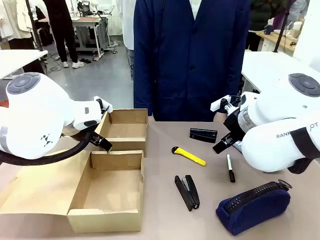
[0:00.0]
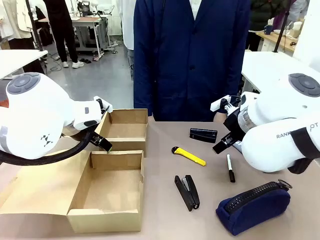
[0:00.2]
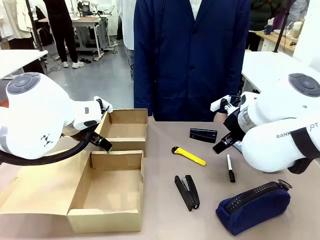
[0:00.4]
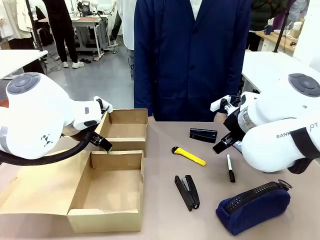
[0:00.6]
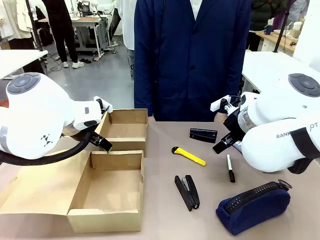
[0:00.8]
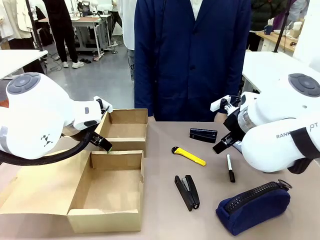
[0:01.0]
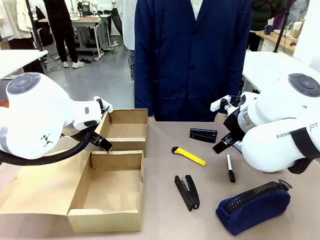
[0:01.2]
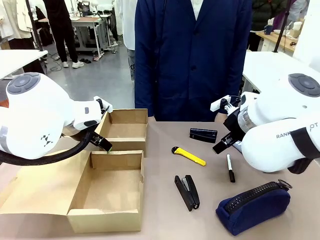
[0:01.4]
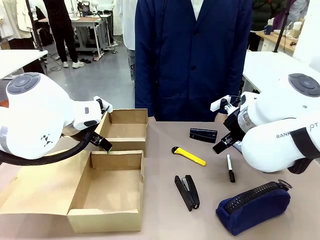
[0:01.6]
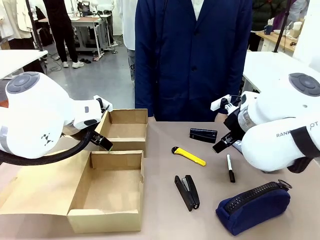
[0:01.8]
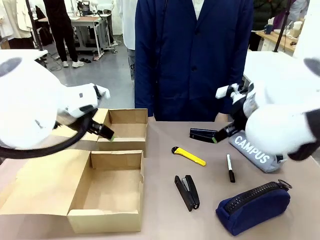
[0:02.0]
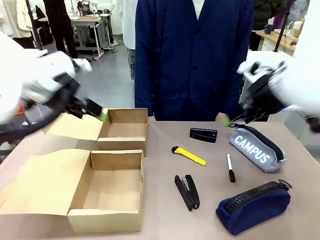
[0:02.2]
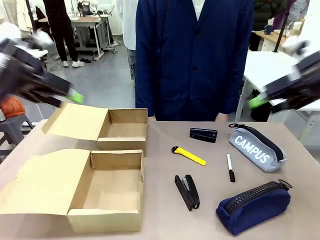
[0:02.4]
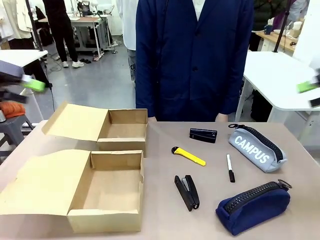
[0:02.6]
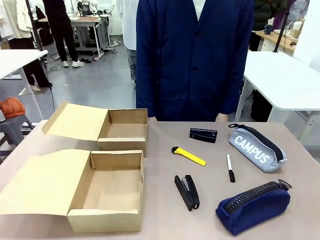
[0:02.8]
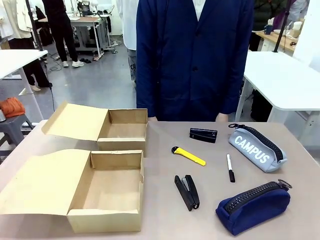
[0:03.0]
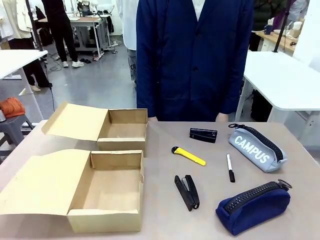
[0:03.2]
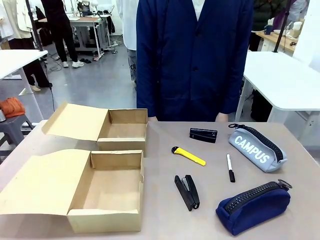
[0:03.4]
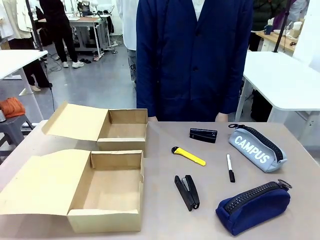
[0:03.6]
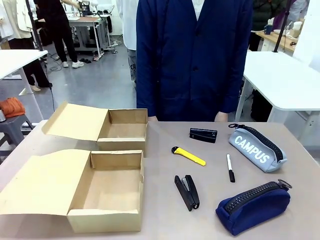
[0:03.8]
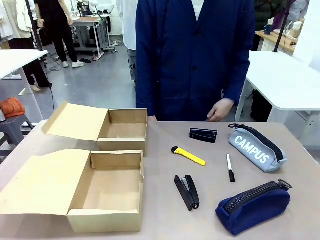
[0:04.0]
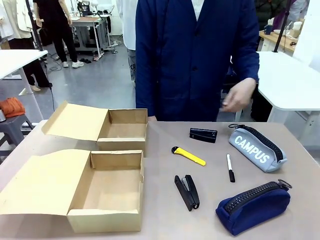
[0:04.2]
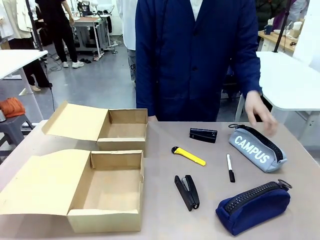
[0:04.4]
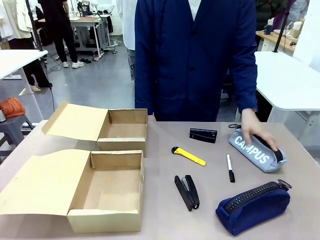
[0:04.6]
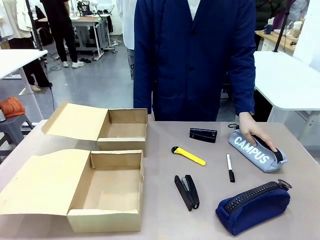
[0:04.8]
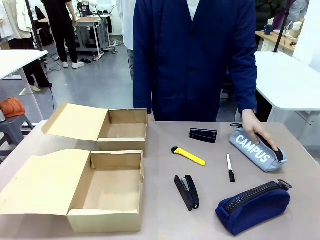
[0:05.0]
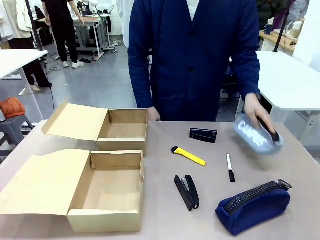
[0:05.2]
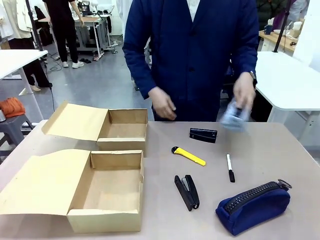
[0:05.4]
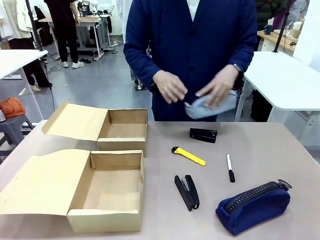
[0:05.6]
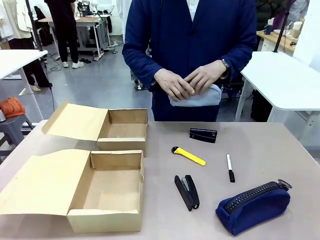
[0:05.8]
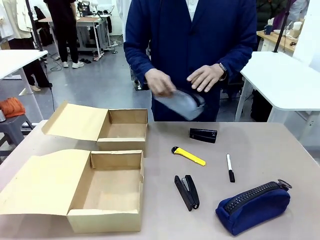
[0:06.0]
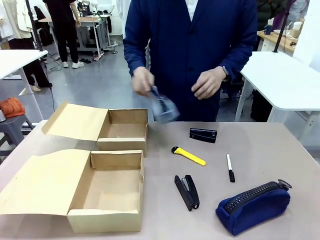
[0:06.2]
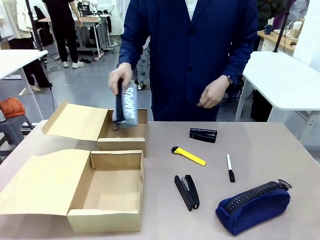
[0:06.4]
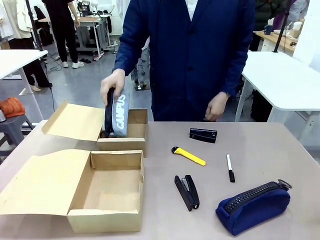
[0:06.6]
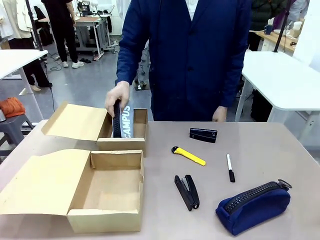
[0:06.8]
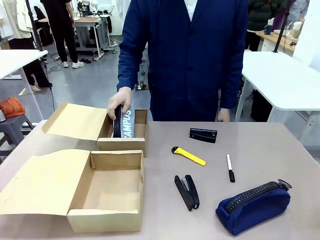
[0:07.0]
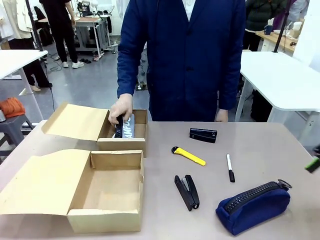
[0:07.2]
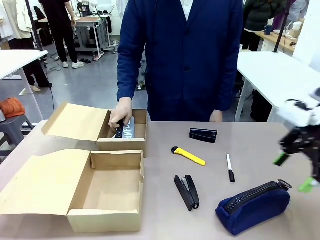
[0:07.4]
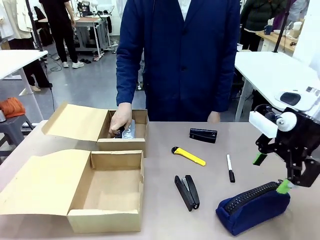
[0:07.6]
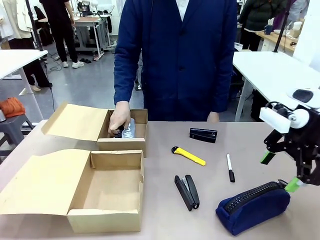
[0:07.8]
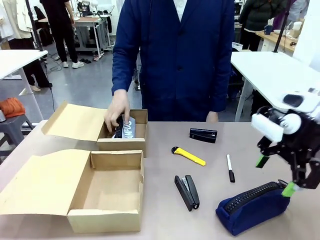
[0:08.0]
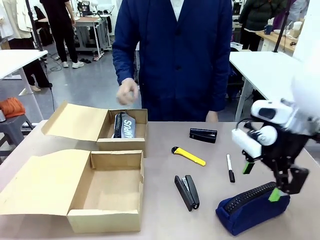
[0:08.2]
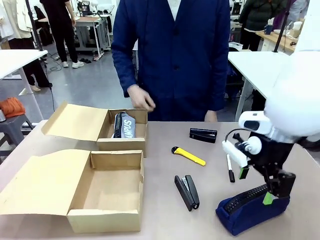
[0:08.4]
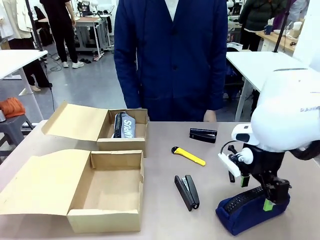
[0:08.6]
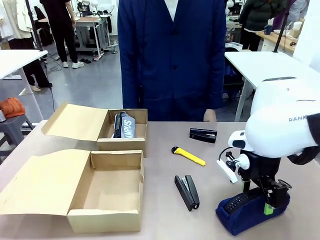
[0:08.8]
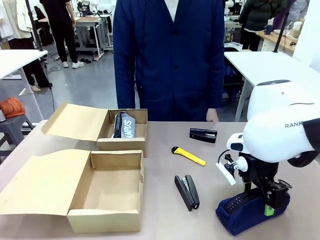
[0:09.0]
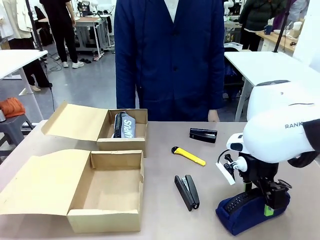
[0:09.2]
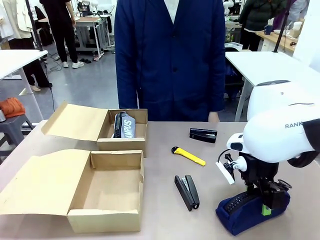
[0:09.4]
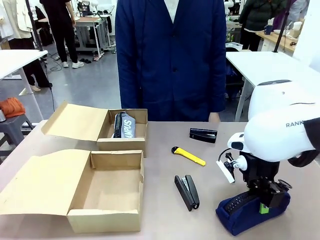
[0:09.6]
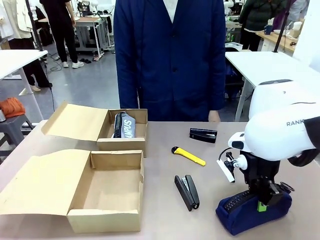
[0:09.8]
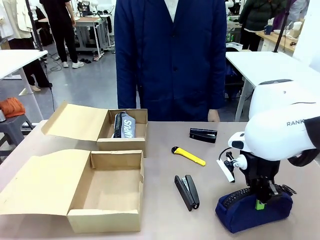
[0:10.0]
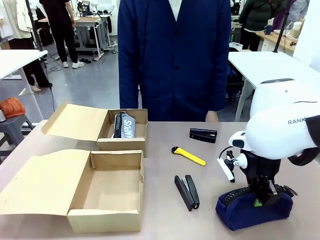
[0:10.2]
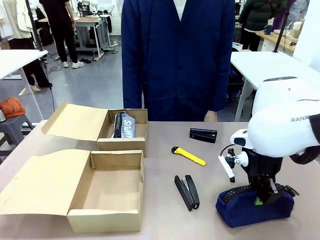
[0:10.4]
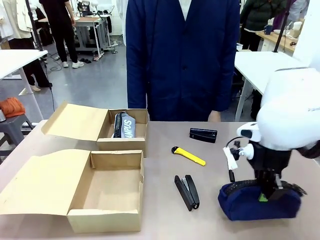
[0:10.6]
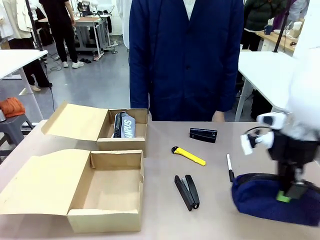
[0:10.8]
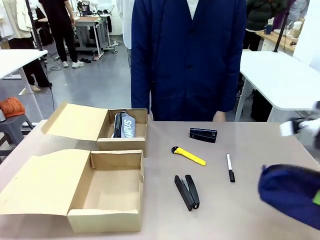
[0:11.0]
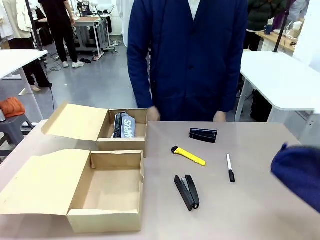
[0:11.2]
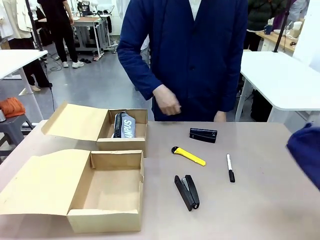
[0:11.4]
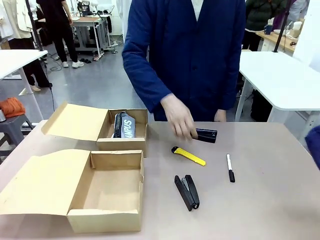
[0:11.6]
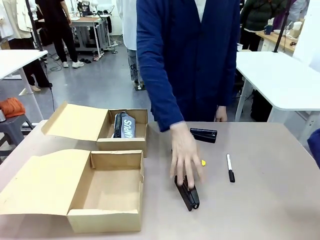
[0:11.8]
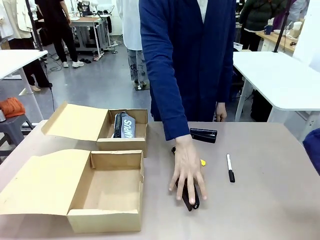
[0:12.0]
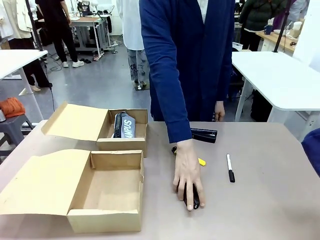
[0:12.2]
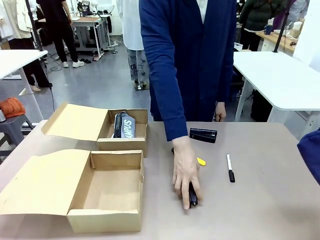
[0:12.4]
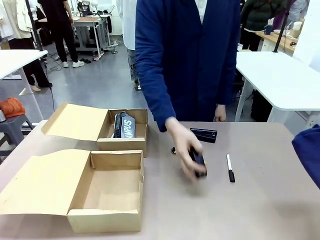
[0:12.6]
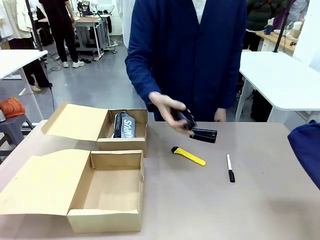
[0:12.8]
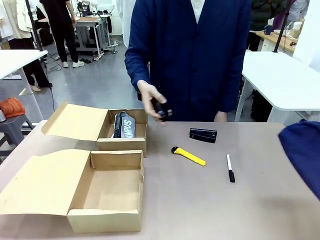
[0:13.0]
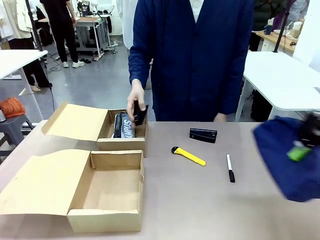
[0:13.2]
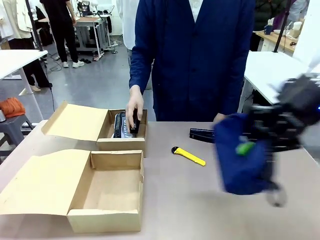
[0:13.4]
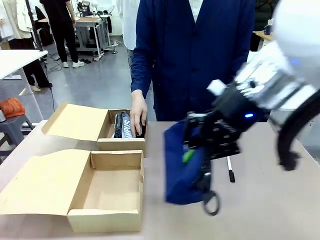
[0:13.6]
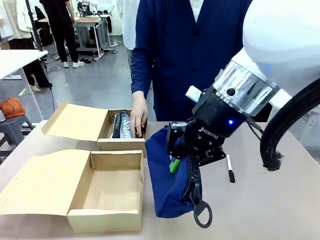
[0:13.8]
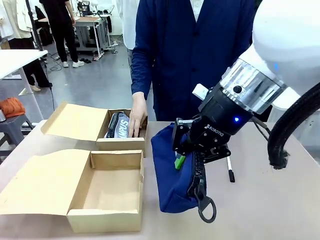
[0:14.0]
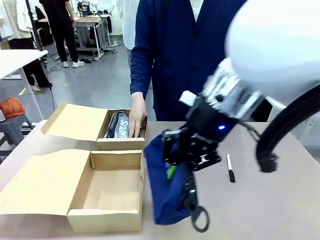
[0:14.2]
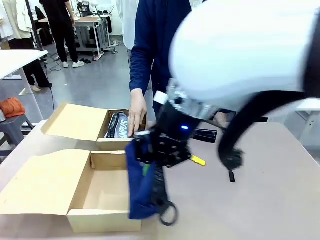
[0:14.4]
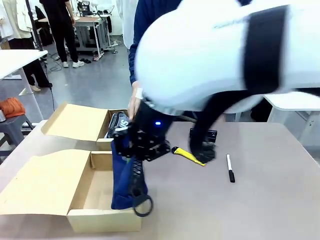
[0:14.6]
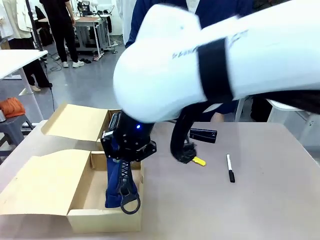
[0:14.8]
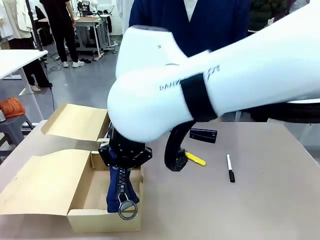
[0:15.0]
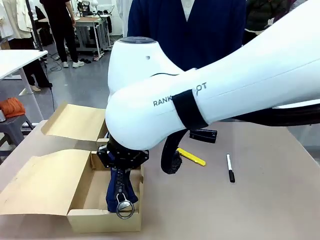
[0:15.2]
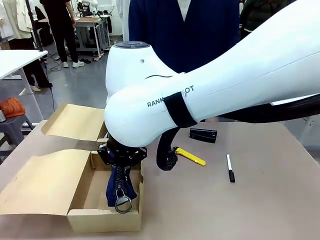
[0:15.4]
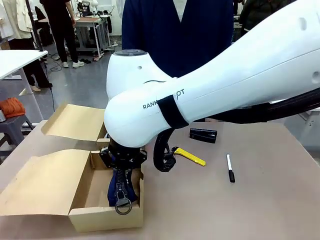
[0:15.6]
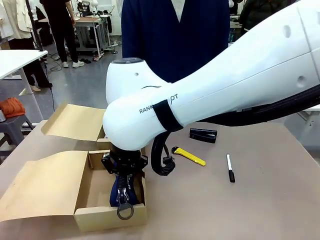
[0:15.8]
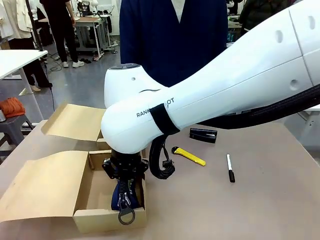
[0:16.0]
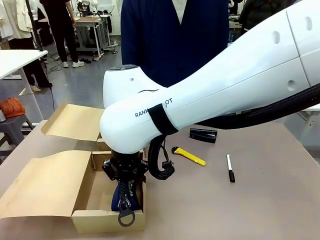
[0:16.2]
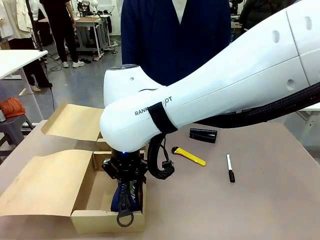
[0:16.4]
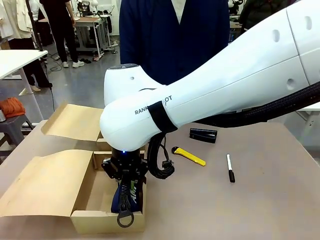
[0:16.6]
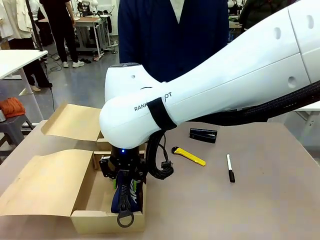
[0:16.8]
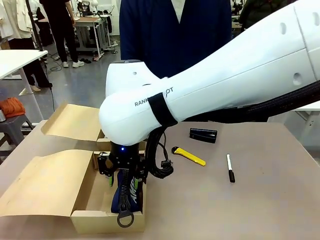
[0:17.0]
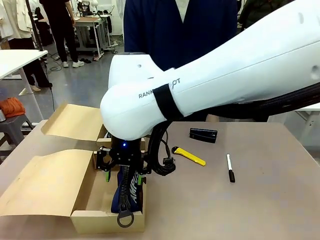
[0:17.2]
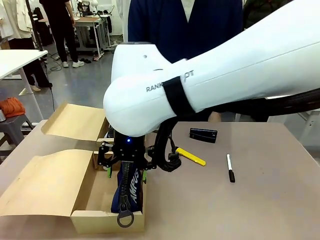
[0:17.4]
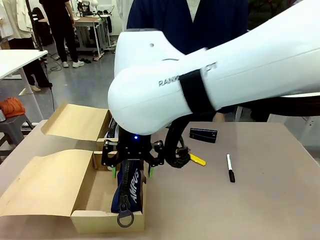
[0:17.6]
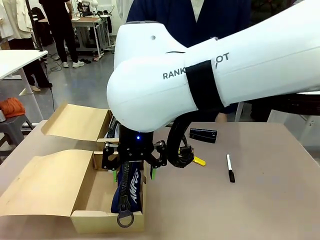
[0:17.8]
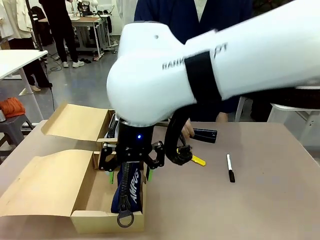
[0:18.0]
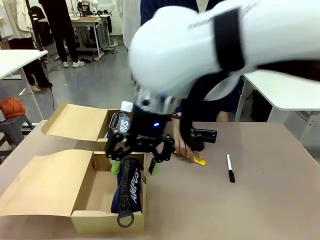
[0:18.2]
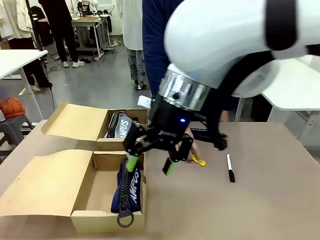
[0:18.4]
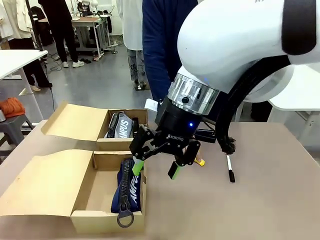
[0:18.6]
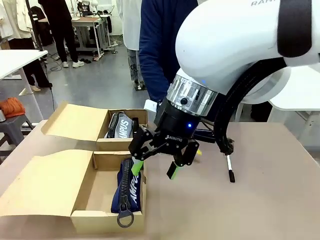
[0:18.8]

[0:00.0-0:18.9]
Task: Place items inside the box.
Robot: Pick up a Pencil pouch or Stapler and place it inside the Mailer Box closest to the robot.
Person: Pick up an object on the table and put it in the box.
